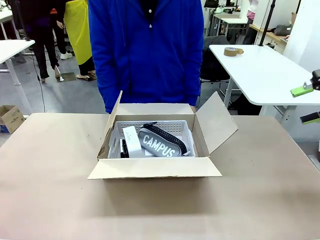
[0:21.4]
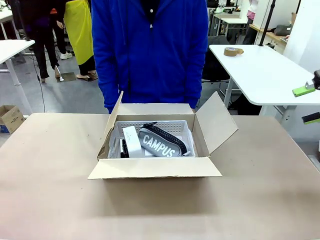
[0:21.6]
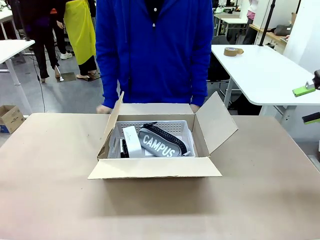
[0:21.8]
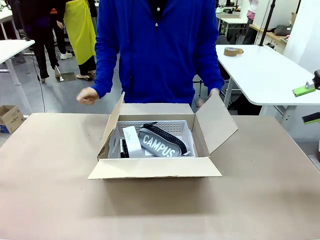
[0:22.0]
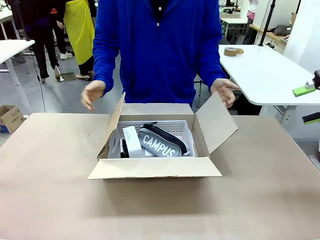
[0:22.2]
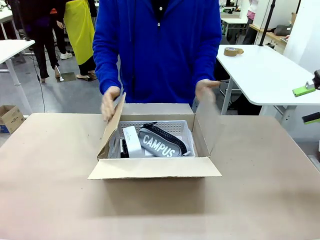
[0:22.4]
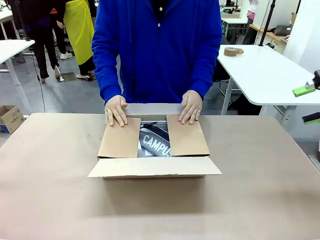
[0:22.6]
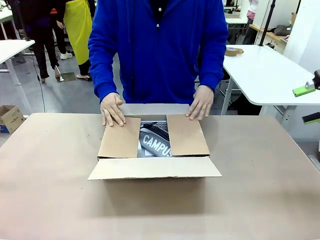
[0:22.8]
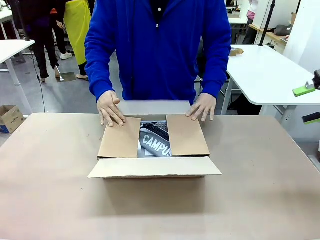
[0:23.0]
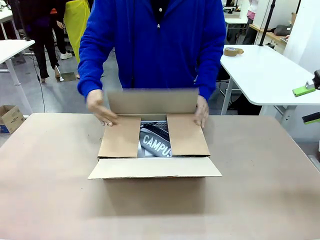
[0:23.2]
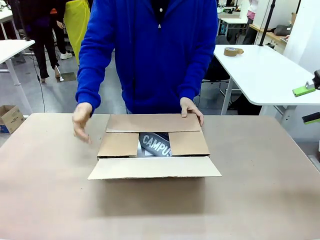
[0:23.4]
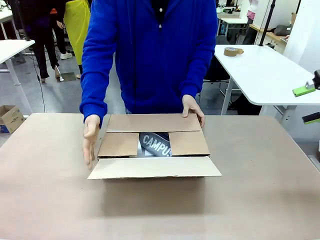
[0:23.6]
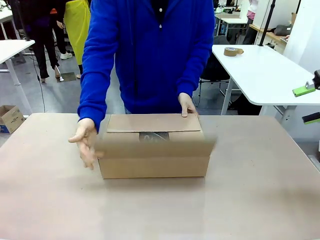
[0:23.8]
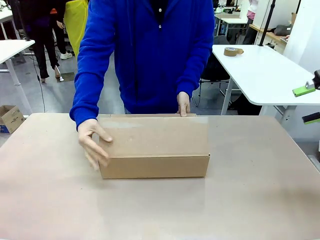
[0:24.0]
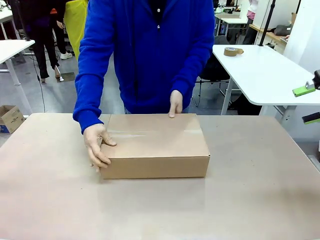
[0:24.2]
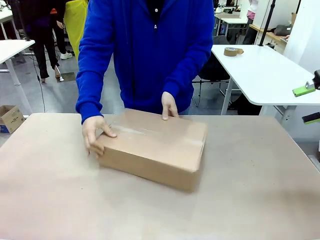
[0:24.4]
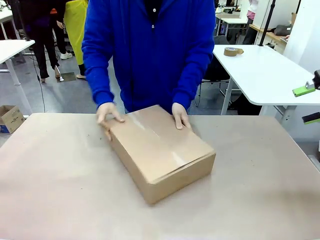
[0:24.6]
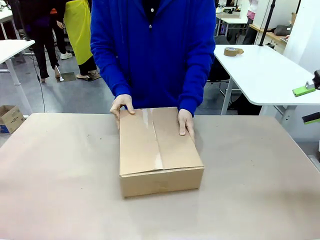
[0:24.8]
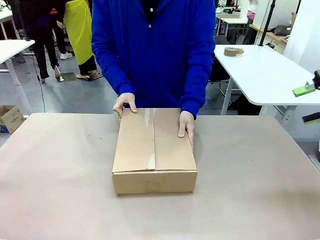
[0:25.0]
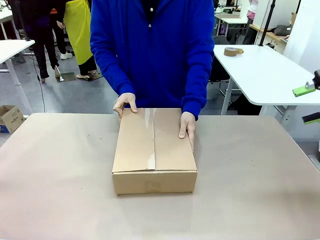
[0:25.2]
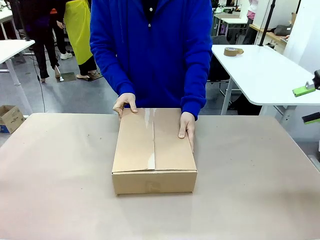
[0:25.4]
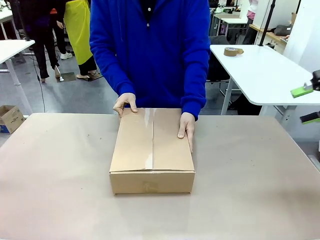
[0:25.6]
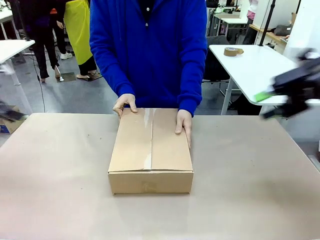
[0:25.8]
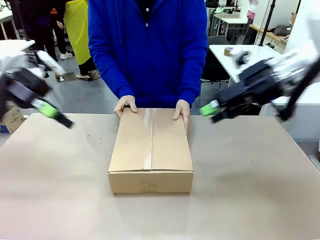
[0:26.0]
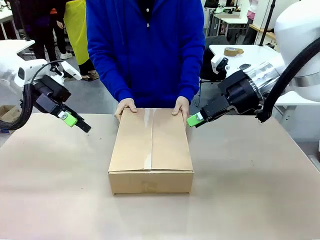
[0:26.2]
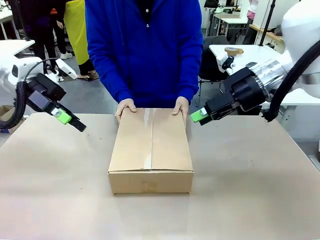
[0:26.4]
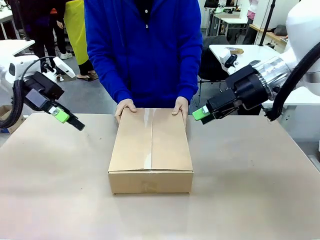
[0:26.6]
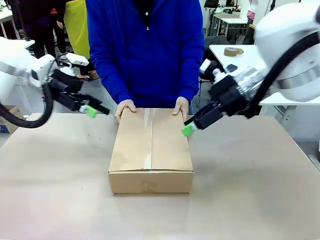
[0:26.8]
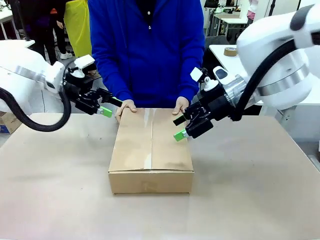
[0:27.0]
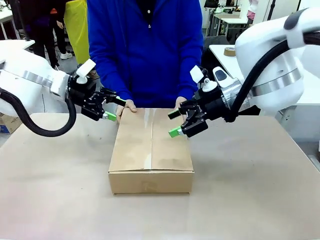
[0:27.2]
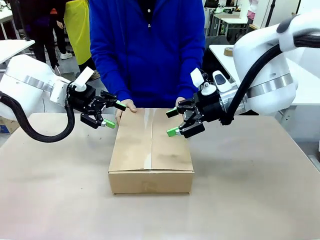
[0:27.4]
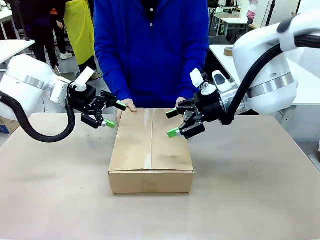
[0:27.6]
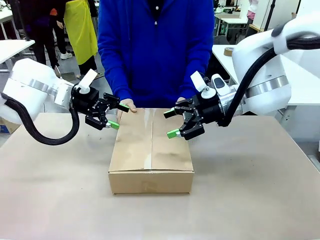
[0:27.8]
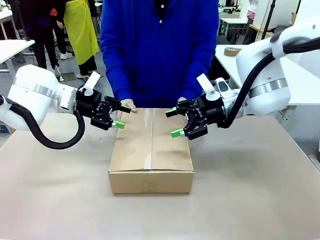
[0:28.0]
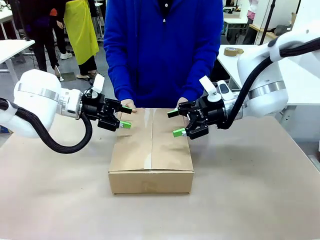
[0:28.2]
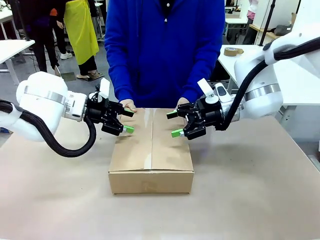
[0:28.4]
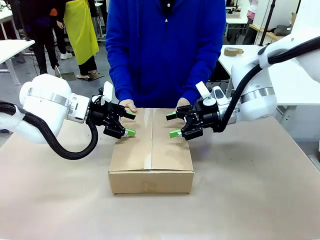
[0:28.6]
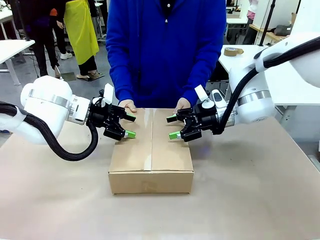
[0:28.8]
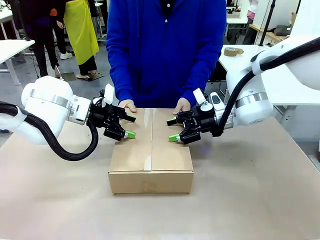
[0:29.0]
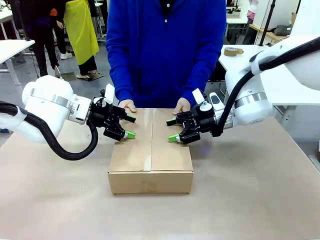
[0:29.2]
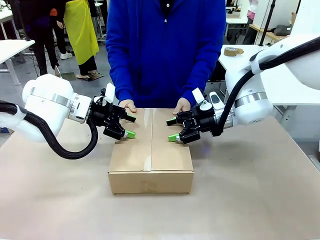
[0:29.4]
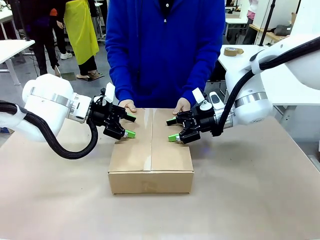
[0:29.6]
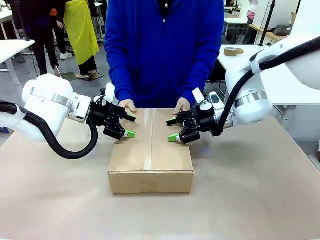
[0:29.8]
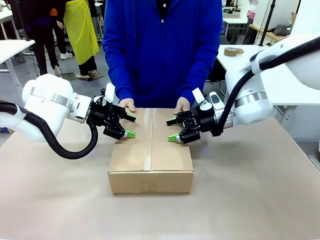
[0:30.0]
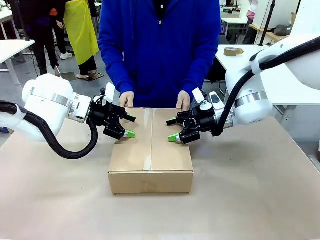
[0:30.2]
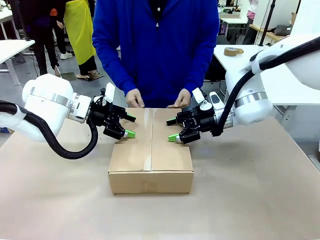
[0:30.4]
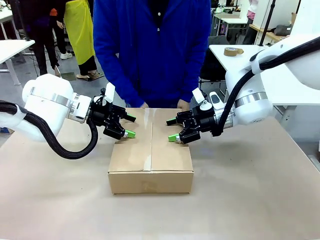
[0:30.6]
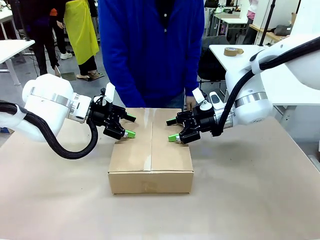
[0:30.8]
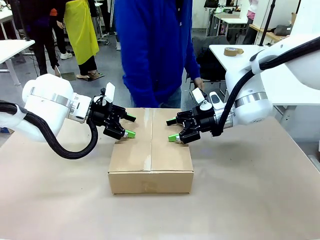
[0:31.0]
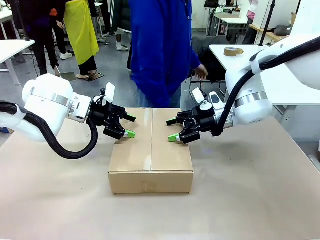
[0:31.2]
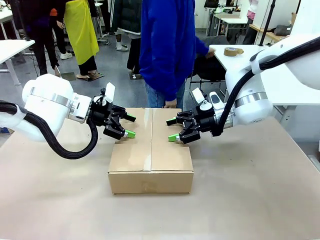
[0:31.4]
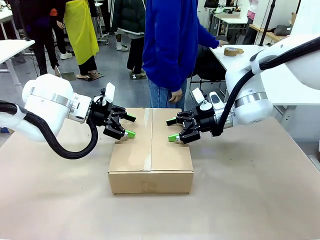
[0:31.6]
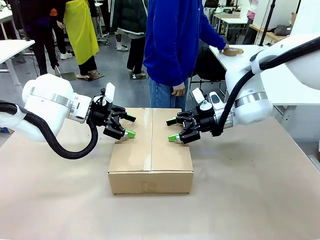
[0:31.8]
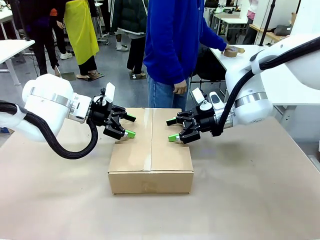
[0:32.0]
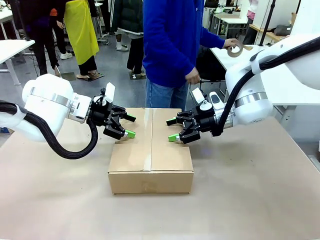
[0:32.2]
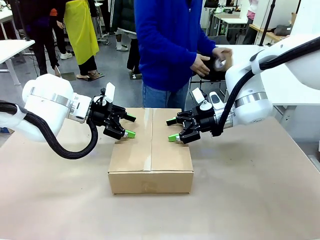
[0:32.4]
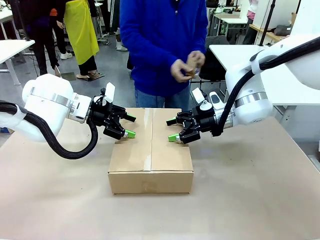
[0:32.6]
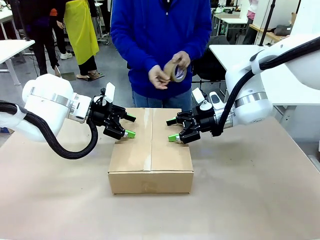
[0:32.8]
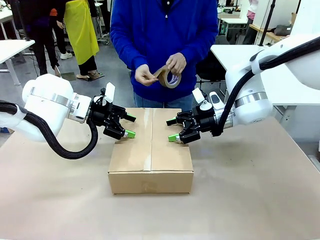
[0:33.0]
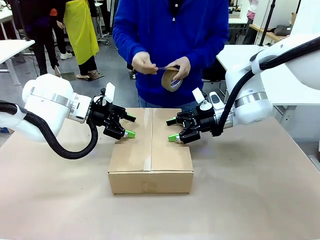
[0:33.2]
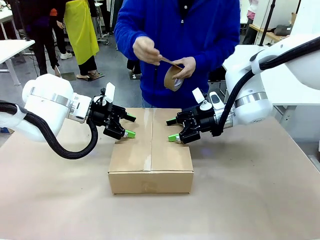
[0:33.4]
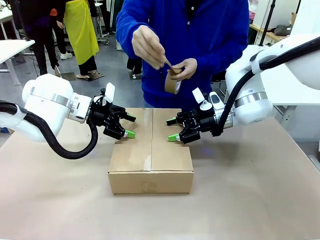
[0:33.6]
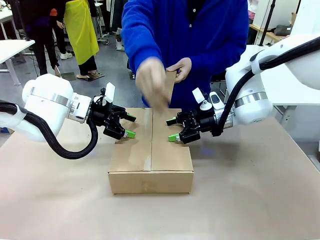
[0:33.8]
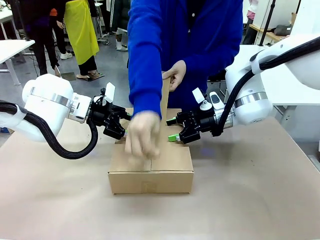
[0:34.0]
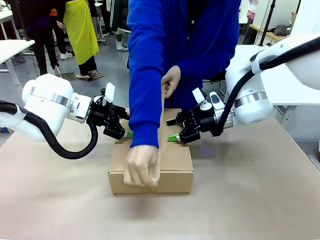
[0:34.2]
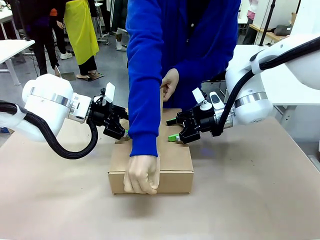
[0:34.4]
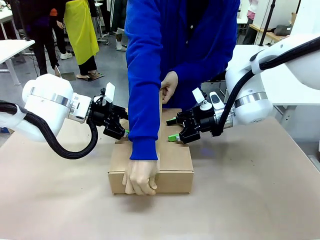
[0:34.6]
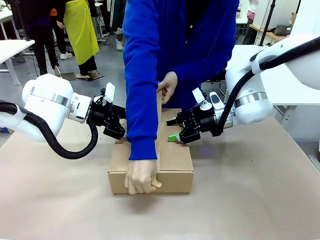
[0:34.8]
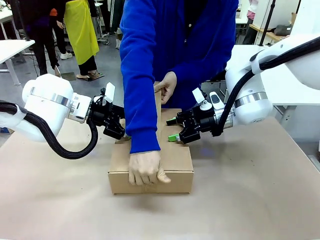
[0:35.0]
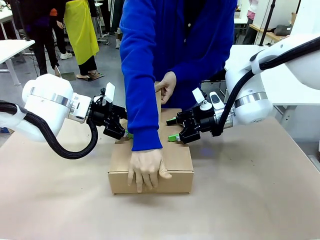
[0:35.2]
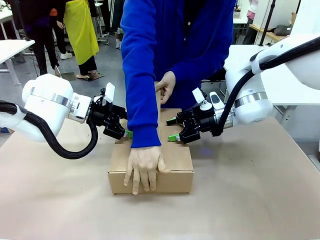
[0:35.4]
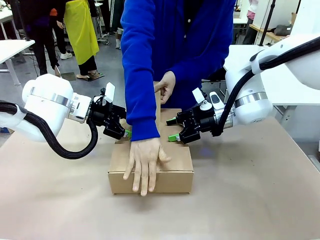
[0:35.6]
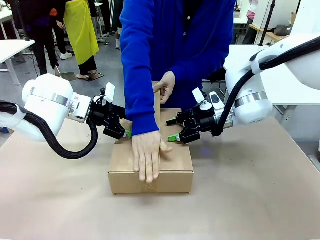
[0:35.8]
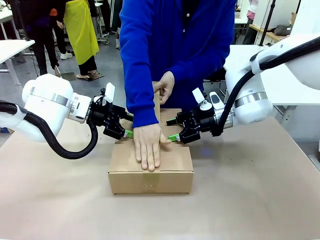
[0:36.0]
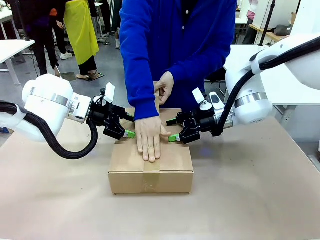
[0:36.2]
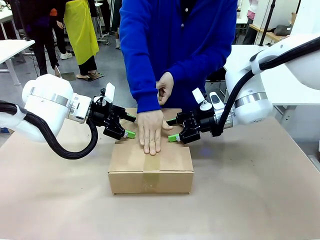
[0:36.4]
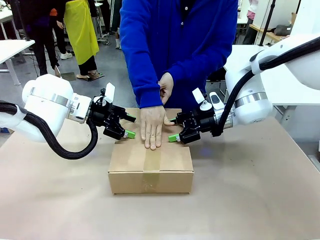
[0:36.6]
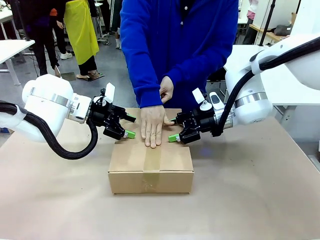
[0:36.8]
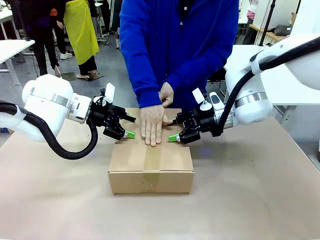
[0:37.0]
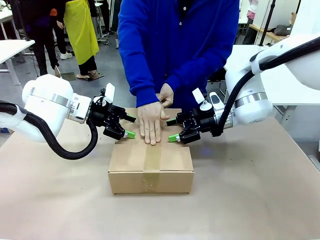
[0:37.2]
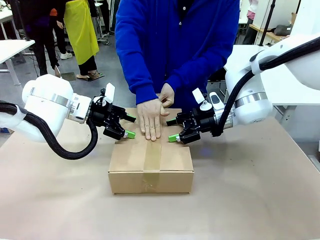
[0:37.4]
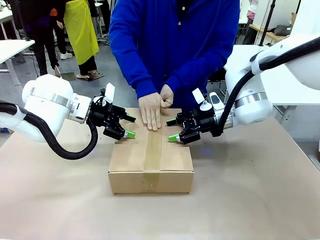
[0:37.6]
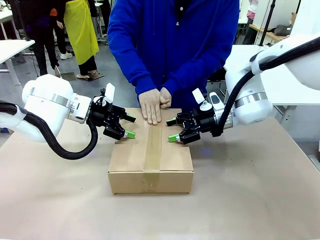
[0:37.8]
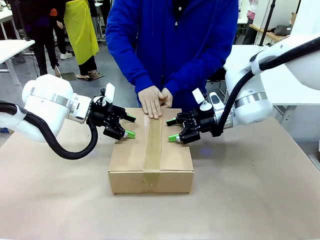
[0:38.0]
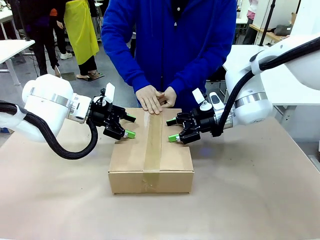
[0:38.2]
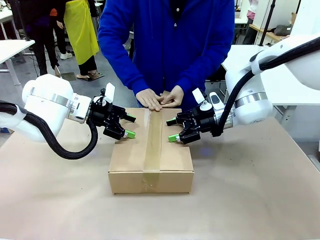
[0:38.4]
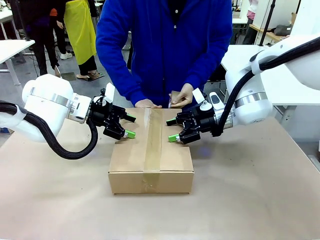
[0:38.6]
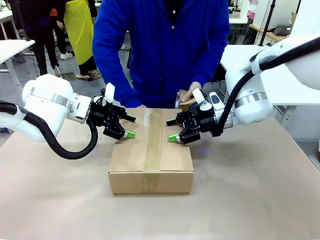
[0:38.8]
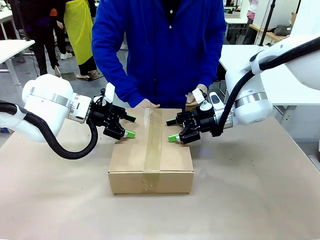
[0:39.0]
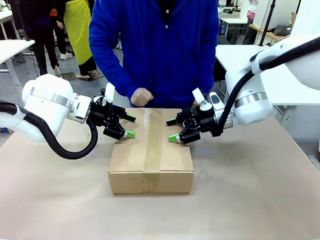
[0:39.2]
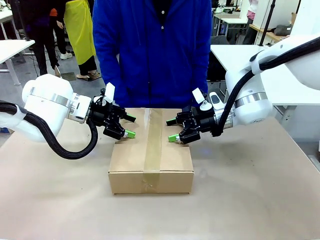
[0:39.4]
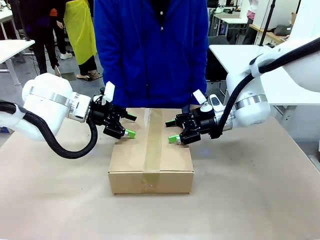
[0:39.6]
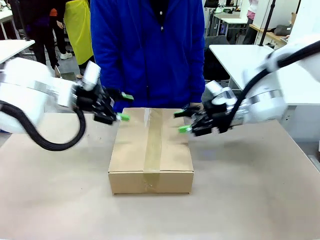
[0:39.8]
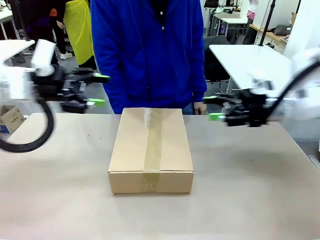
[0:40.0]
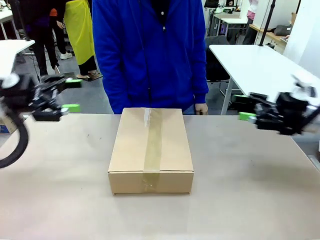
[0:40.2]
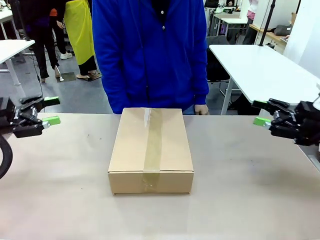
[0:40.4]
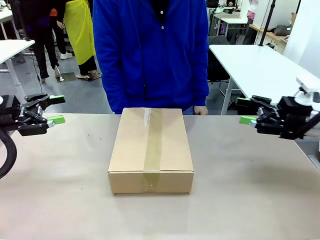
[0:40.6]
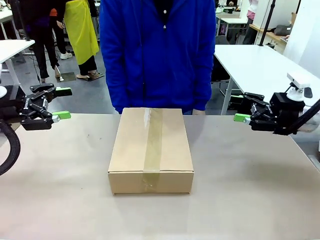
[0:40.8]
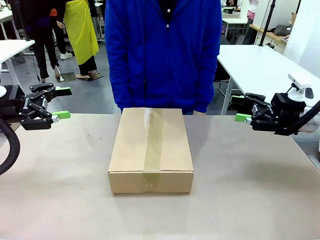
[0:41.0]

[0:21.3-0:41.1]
Task: Pack the gift set into the box.
Robot: Press and hold the closed box until the human finishes sealing it.
Person: The human closes the box and rotates the box by 90 degrees. The human picks up the paper tape from the human table and packs the box.
